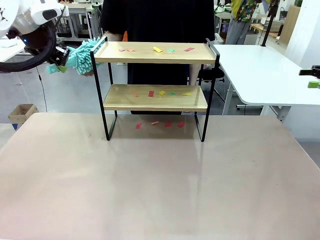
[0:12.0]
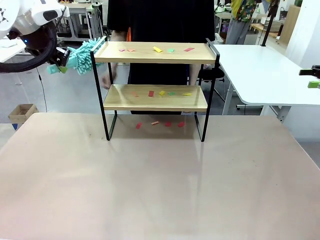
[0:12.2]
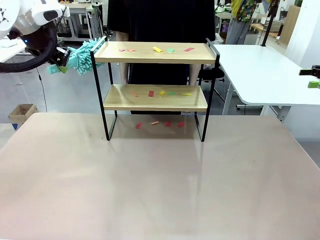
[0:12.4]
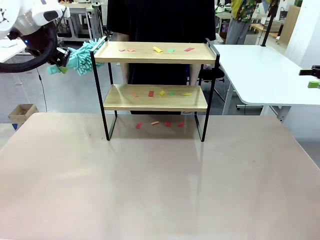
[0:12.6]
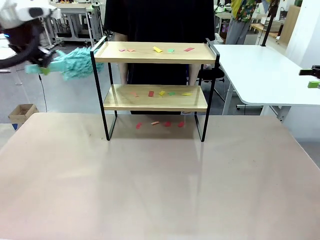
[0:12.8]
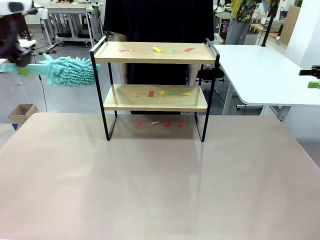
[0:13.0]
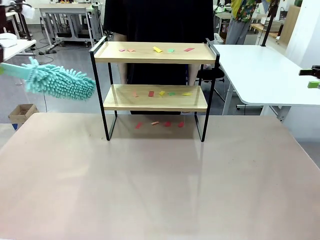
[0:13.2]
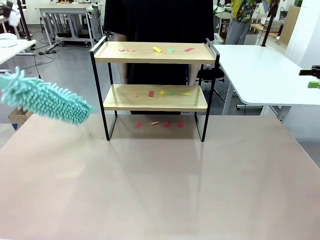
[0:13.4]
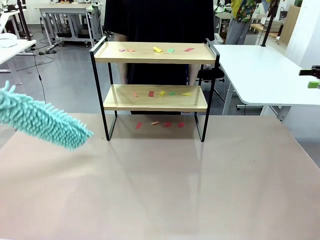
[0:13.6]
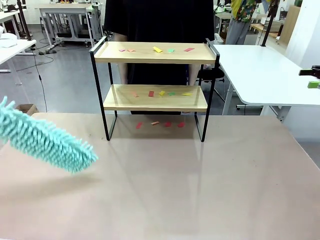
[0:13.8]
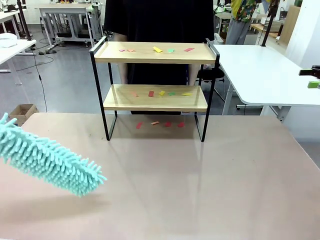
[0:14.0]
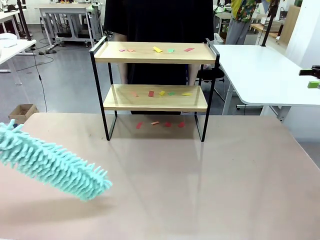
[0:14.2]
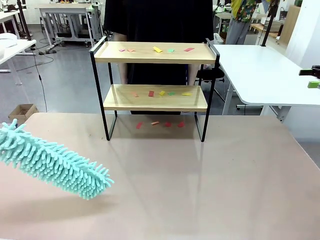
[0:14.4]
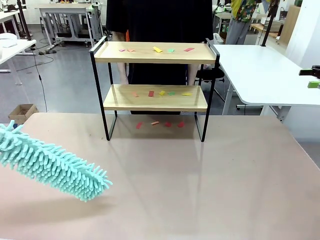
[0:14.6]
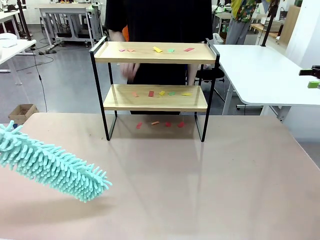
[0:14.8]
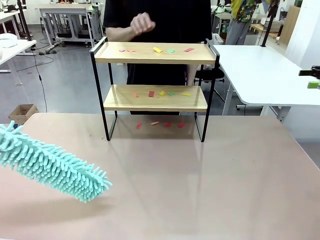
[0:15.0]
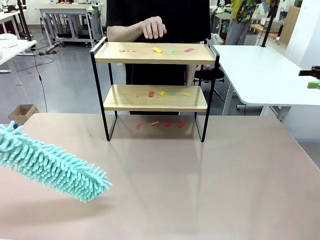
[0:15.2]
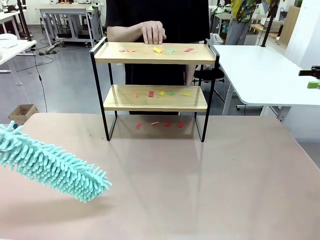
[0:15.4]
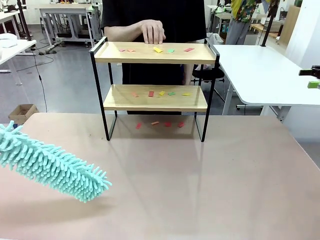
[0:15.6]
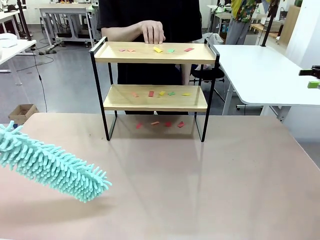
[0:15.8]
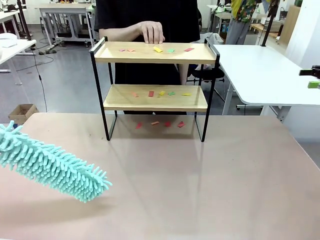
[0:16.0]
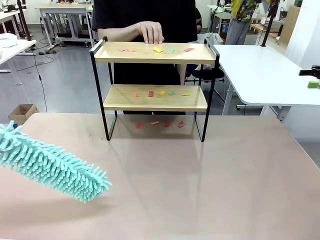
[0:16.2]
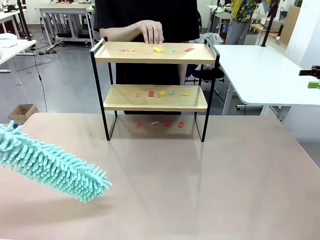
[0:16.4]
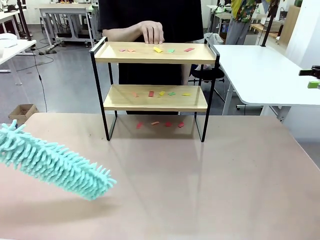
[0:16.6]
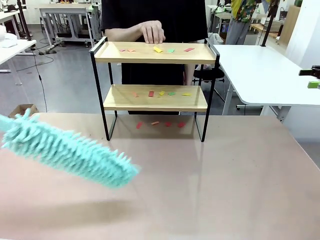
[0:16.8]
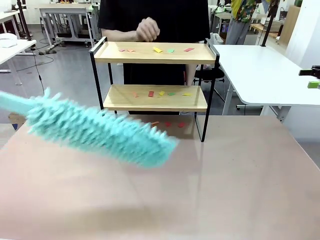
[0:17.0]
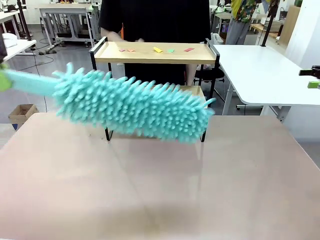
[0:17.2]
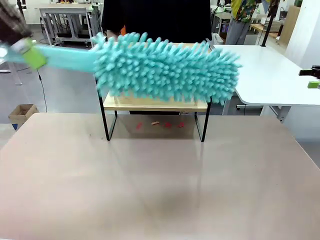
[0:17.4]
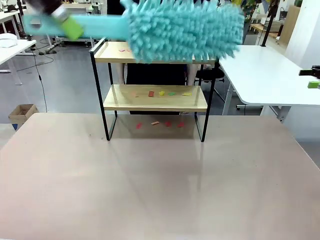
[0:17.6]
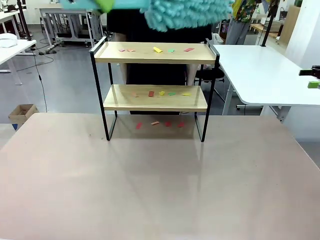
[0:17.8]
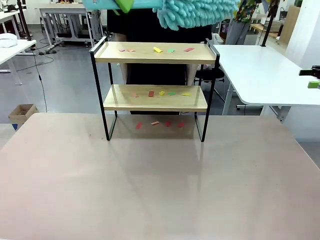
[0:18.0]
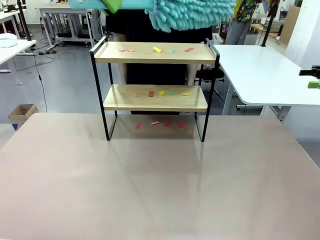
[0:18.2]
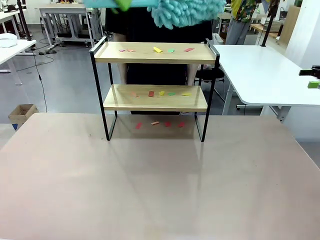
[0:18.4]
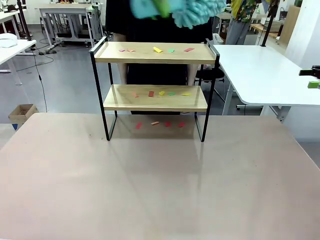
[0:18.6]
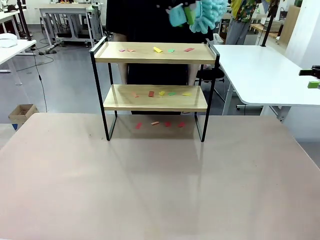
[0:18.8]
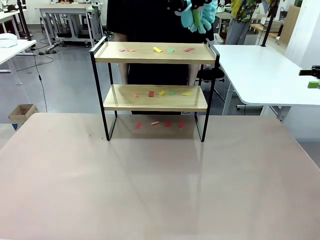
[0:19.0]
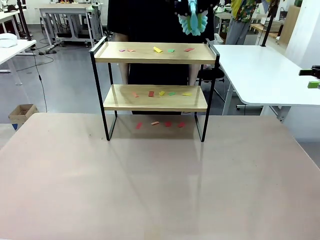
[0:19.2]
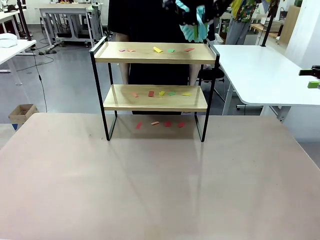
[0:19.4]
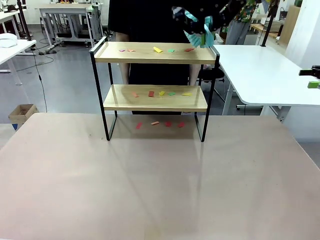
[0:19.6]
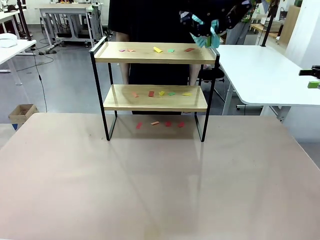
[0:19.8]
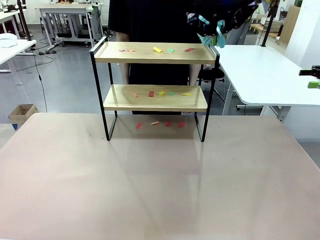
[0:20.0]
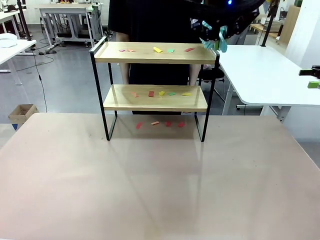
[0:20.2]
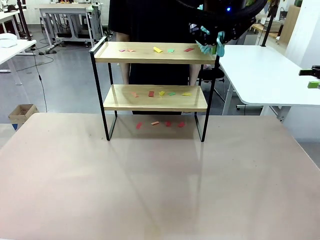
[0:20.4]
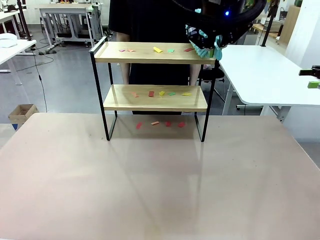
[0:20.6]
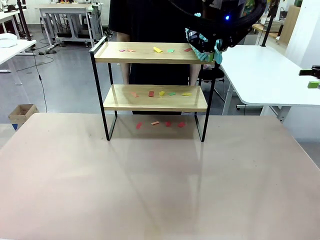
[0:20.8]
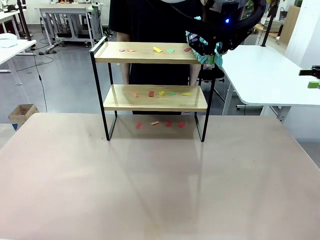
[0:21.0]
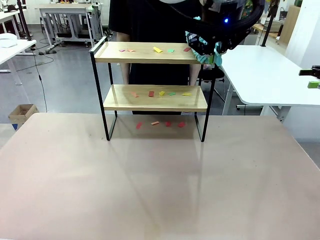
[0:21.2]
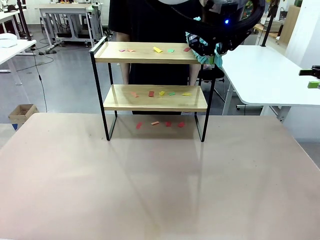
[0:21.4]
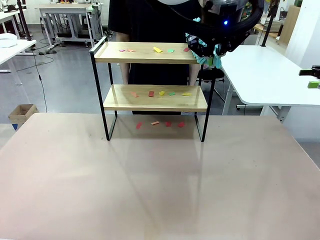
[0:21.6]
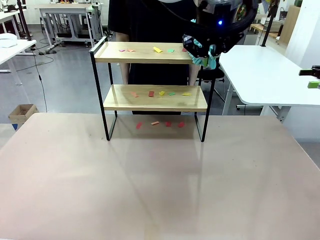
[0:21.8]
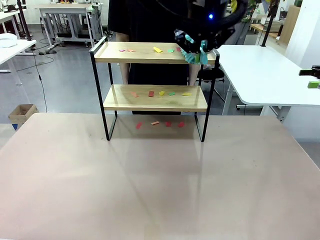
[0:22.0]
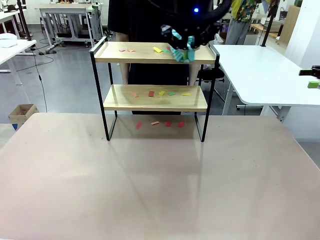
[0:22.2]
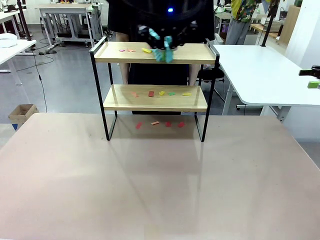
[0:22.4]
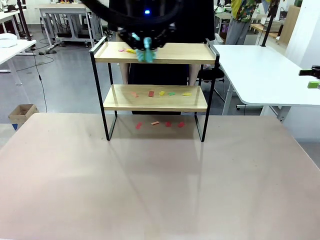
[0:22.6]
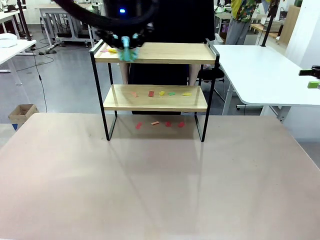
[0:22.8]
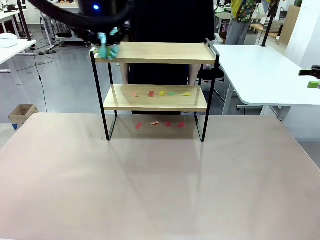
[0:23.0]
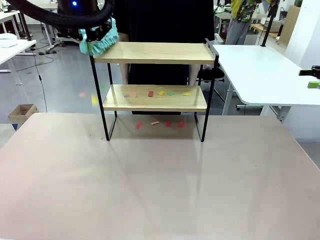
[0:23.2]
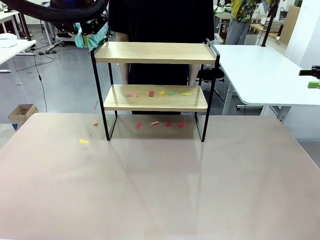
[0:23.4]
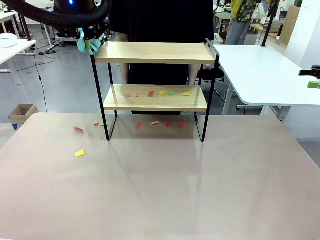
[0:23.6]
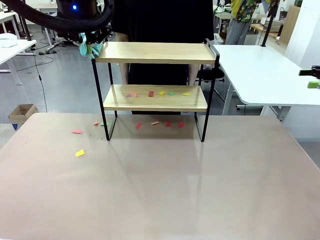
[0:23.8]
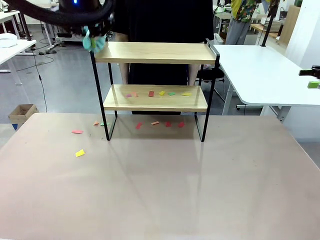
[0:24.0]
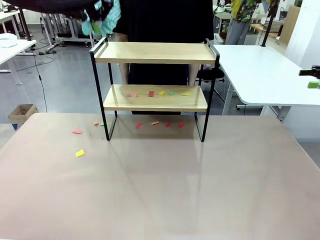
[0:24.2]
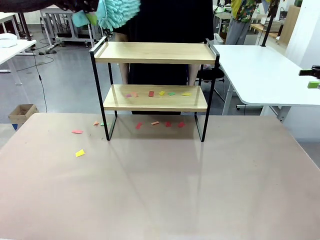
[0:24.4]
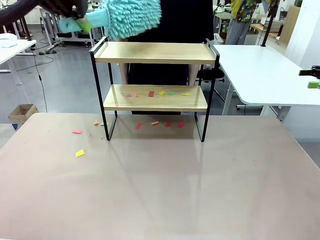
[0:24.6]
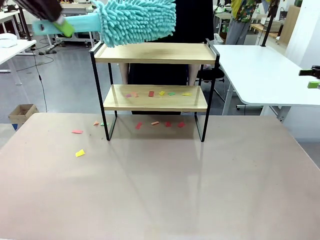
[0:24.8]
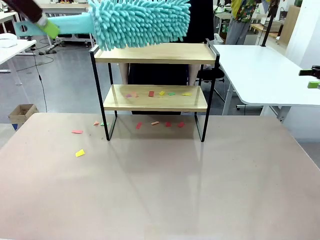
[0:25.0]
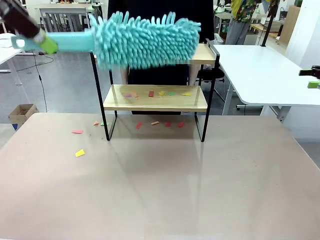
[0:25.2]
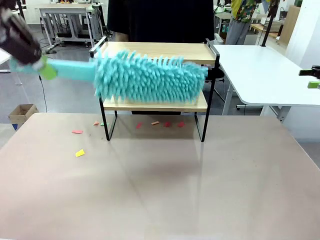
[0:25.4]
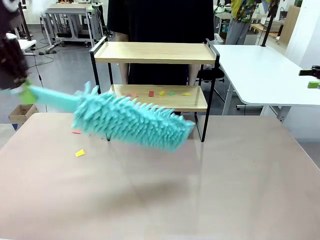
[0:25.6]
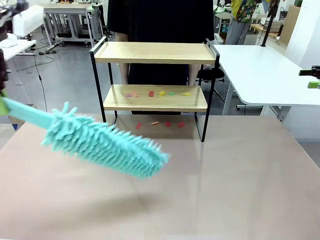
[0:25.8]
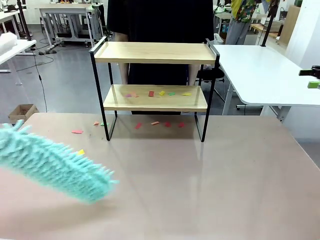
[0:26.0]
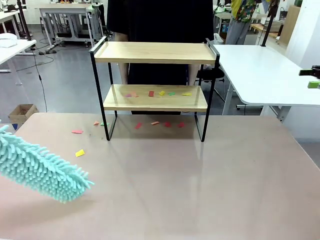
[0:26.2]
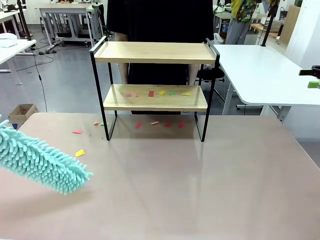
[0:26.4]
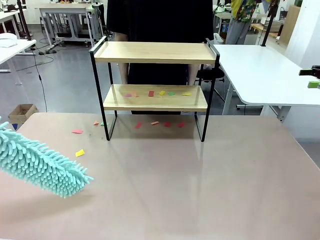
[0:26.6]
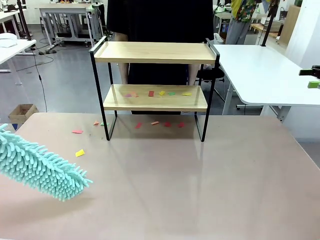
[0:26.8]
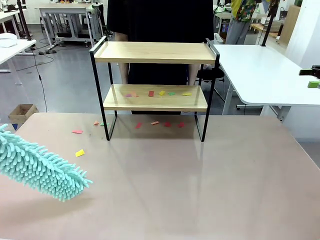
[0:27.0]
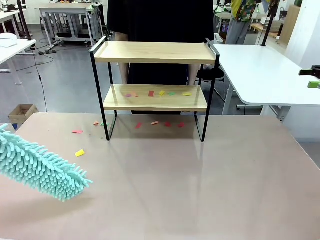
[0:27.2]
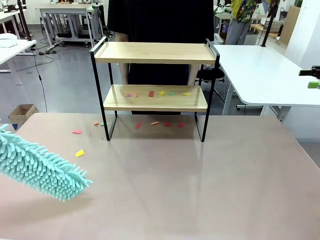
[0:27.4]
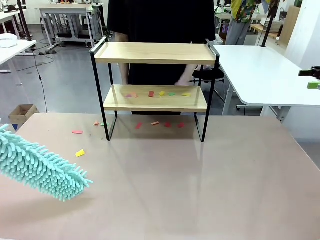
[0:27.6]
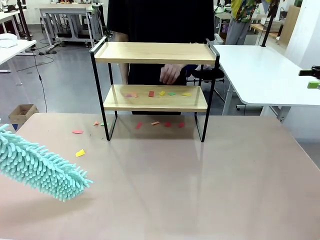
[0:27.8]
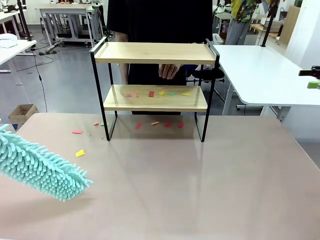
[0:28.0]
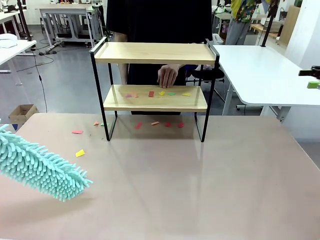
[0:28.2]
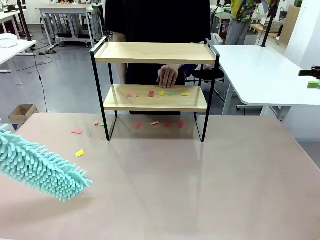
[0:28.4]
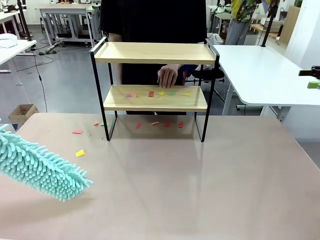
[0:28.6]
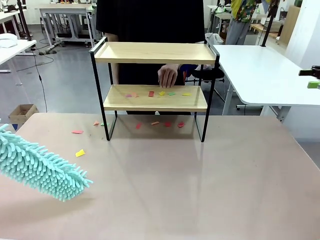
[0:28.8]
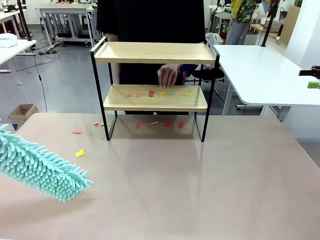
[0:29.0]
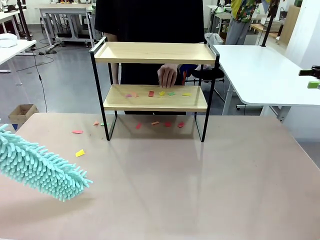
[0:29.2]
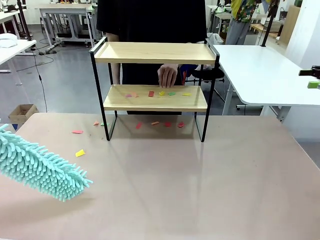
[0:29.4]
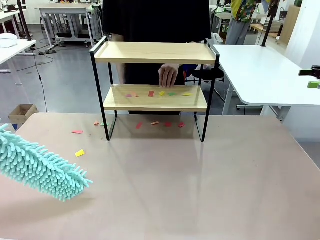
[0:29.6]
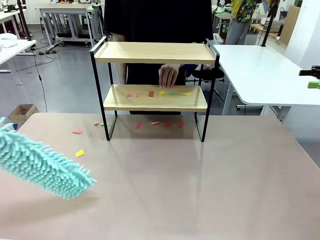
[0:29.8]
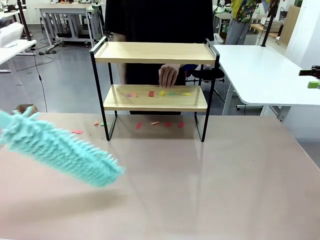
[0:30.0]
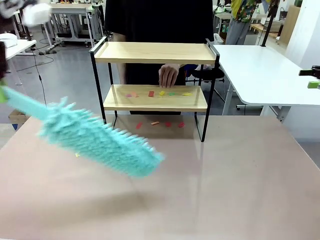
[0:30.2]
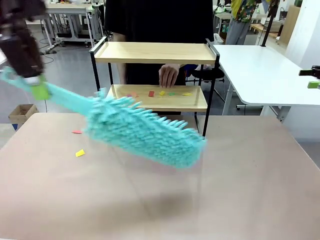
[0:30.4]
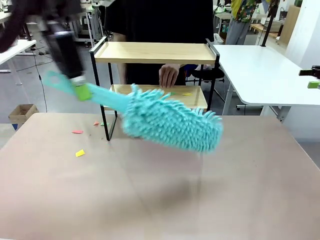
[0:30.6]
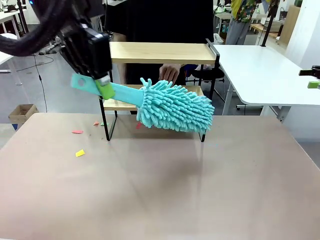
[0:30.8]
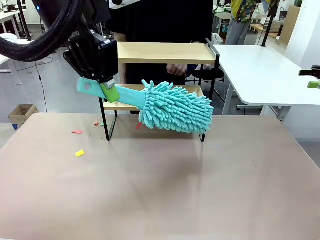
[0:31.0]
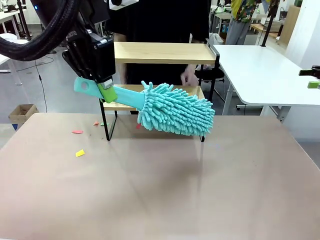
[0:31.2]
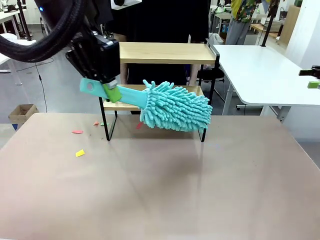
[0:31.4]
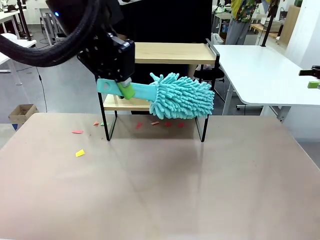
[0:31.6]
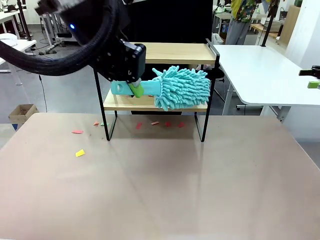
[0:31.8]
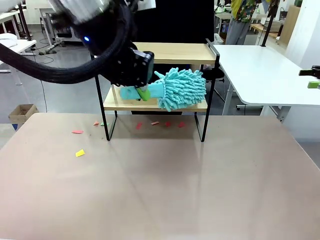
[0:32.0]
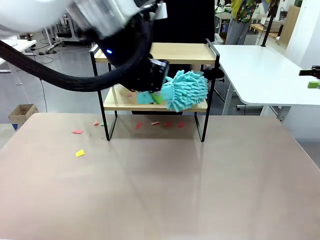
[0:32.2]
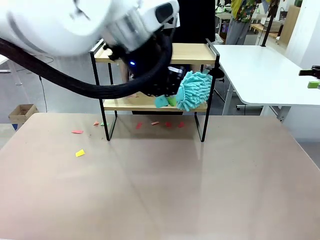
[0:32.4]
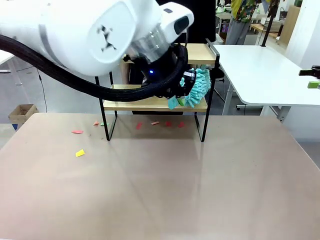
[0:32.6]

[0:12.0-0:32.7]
Task: Clean the shelf.
Robot: Clean the specific section of the Shelf indicated by the human with the Duster.
Person: Point a random section of the Shelf.
